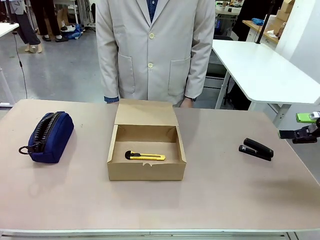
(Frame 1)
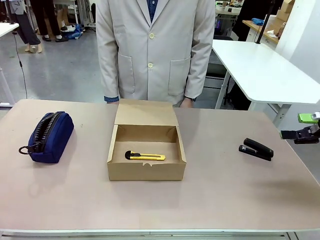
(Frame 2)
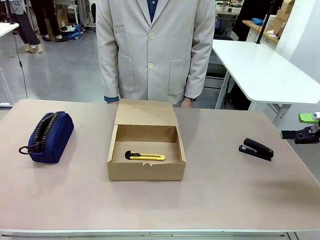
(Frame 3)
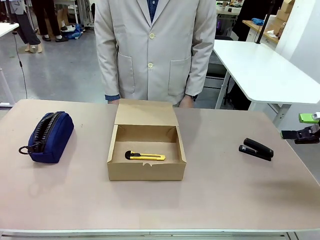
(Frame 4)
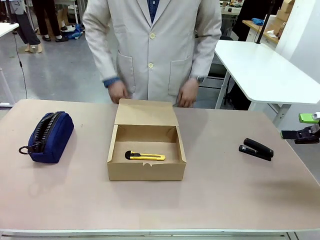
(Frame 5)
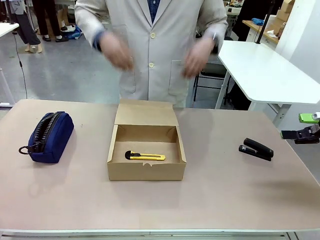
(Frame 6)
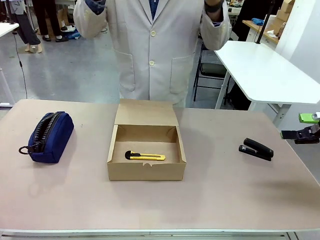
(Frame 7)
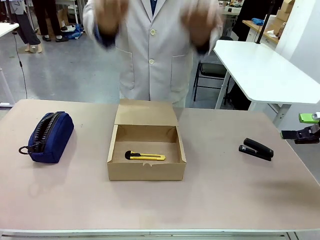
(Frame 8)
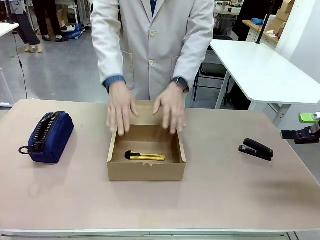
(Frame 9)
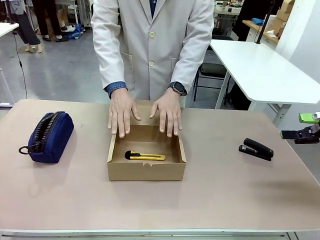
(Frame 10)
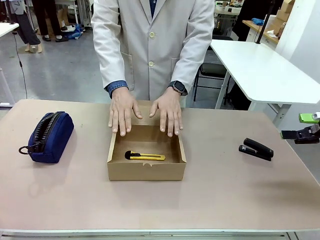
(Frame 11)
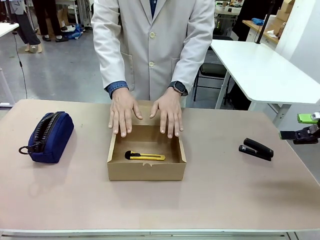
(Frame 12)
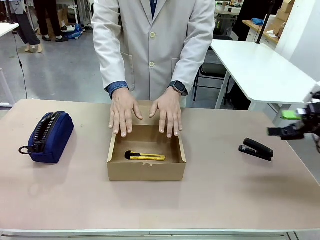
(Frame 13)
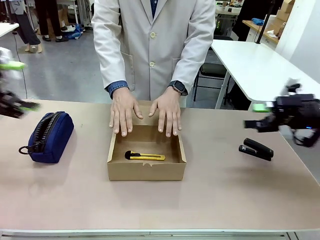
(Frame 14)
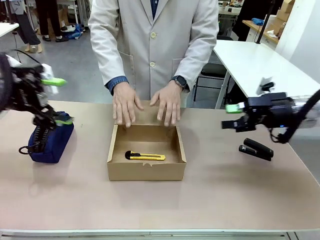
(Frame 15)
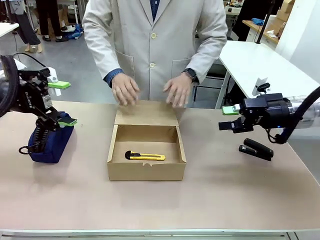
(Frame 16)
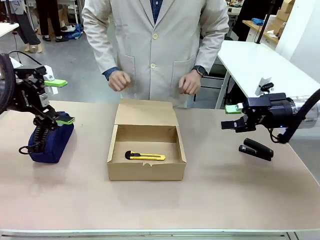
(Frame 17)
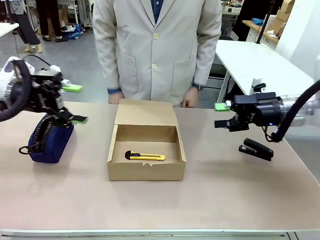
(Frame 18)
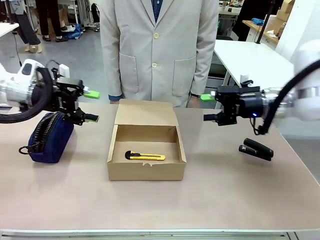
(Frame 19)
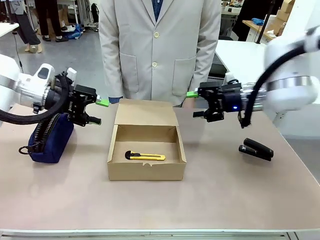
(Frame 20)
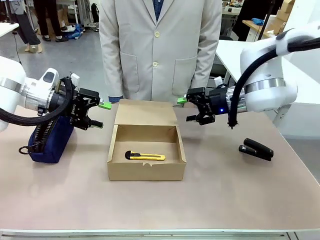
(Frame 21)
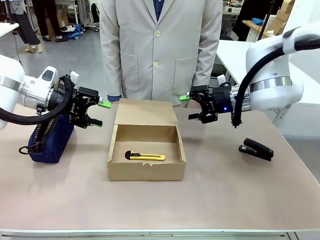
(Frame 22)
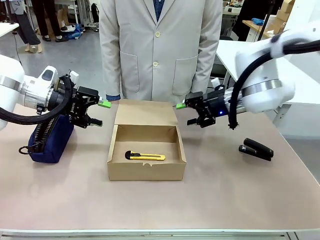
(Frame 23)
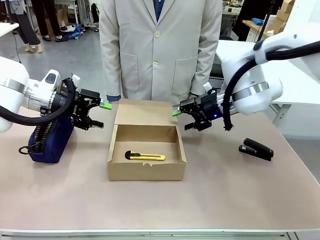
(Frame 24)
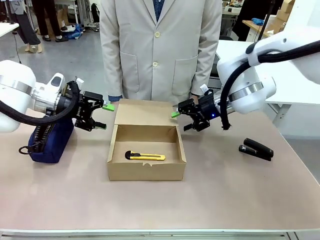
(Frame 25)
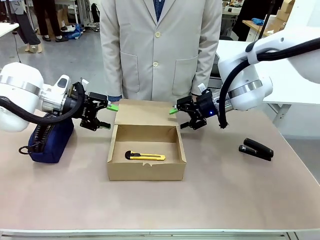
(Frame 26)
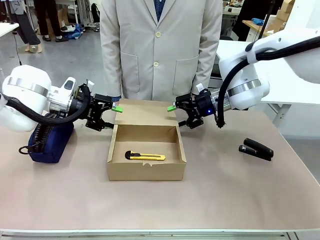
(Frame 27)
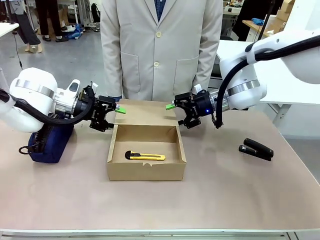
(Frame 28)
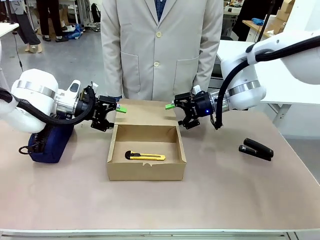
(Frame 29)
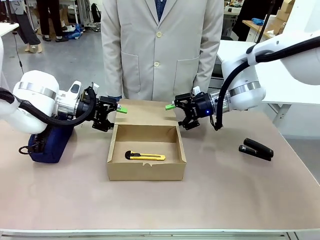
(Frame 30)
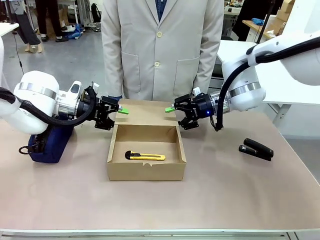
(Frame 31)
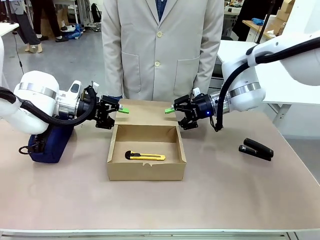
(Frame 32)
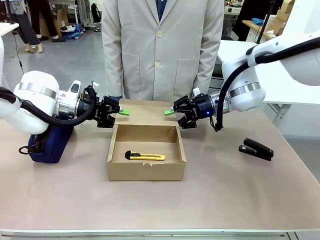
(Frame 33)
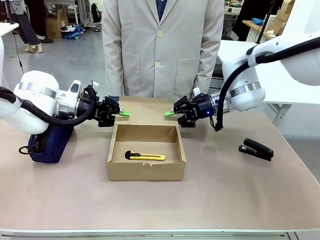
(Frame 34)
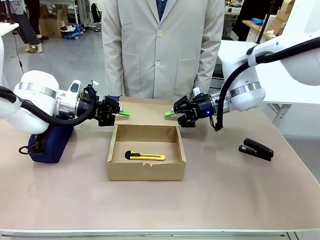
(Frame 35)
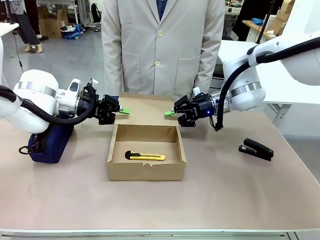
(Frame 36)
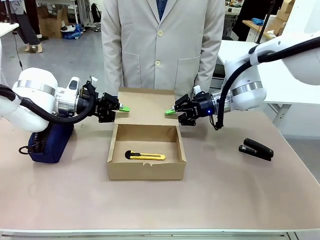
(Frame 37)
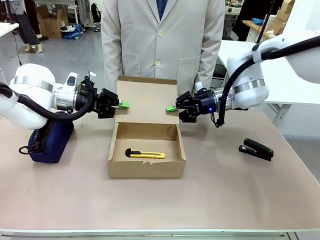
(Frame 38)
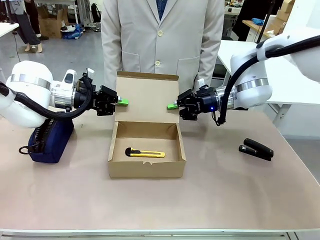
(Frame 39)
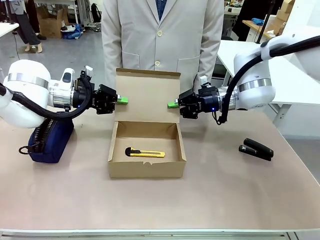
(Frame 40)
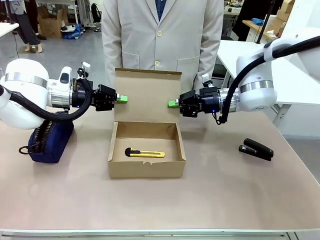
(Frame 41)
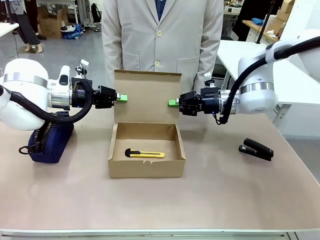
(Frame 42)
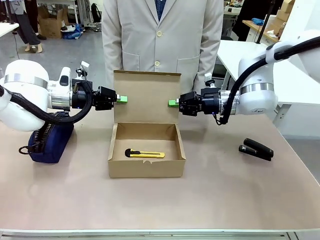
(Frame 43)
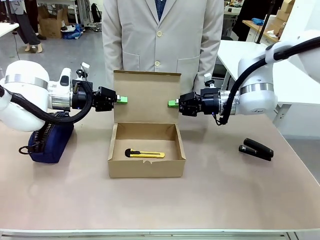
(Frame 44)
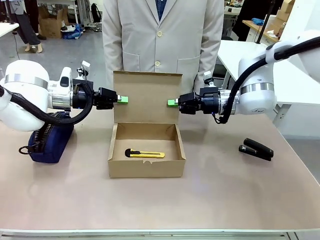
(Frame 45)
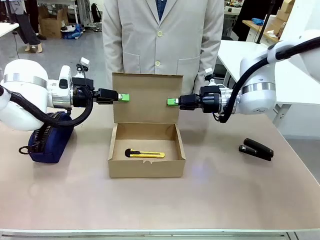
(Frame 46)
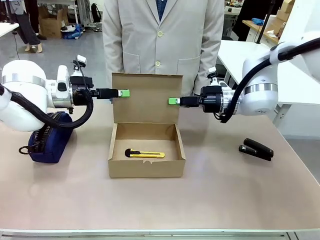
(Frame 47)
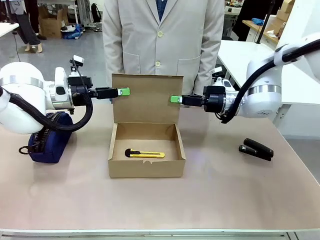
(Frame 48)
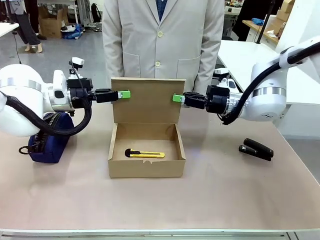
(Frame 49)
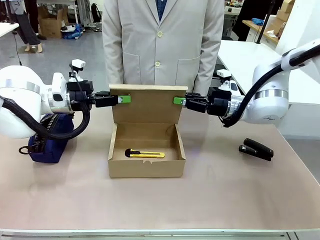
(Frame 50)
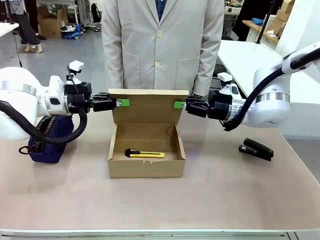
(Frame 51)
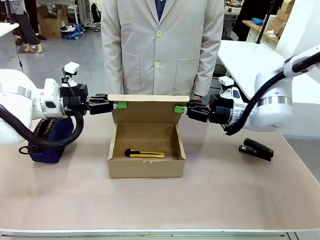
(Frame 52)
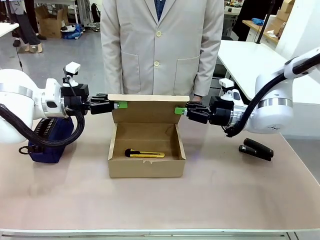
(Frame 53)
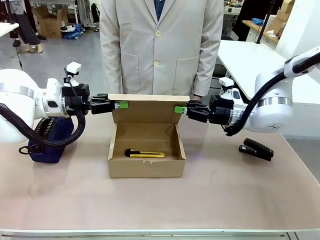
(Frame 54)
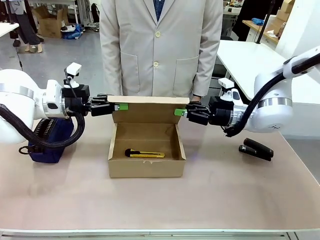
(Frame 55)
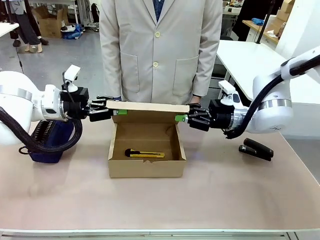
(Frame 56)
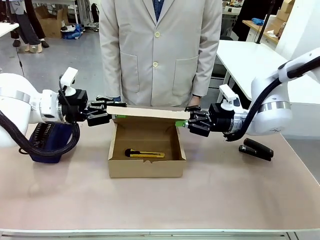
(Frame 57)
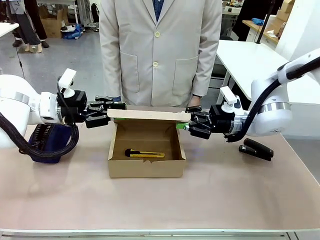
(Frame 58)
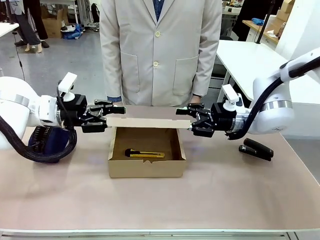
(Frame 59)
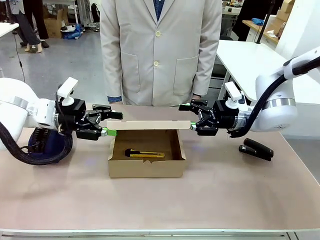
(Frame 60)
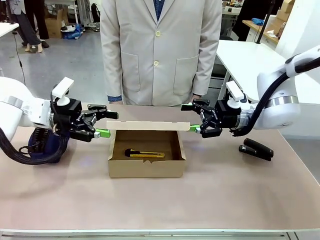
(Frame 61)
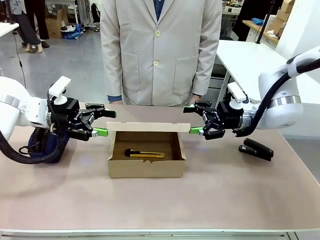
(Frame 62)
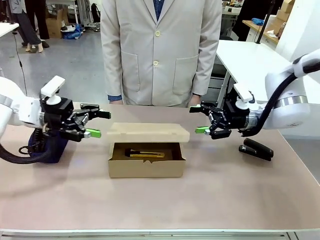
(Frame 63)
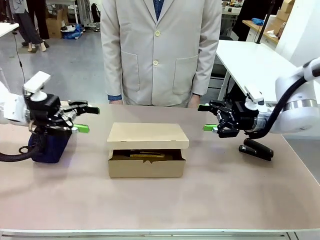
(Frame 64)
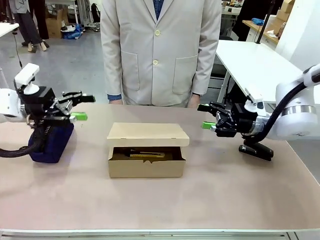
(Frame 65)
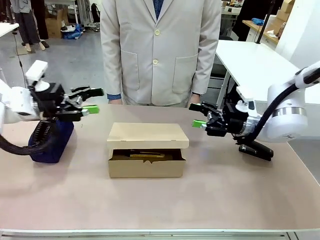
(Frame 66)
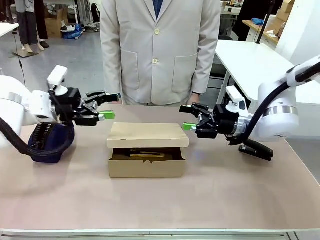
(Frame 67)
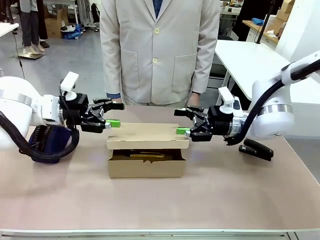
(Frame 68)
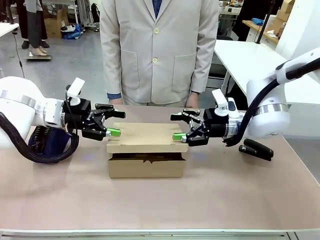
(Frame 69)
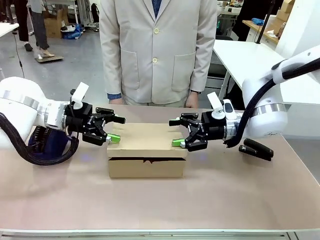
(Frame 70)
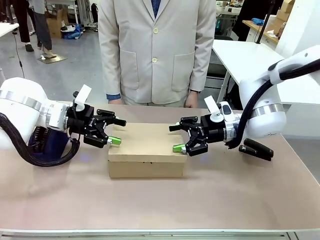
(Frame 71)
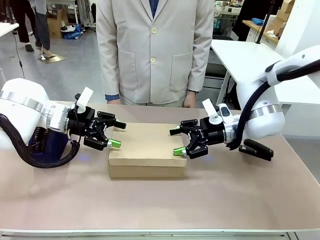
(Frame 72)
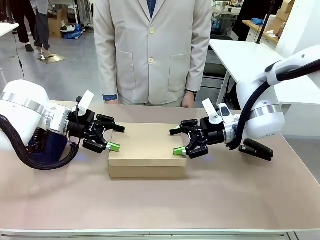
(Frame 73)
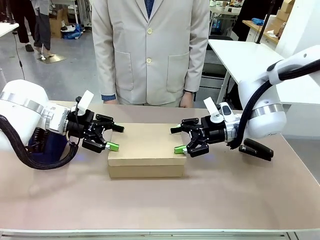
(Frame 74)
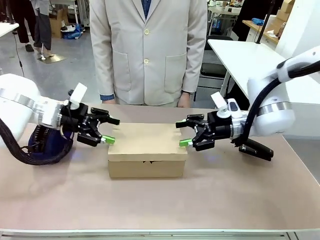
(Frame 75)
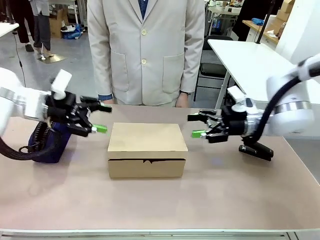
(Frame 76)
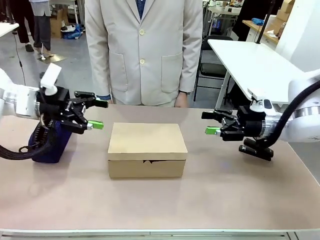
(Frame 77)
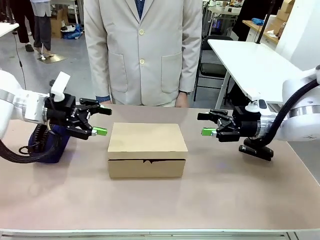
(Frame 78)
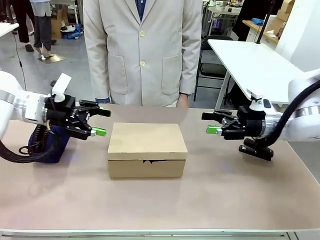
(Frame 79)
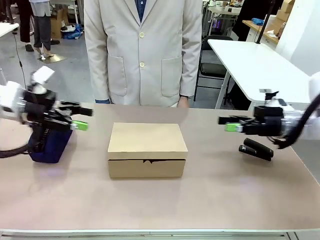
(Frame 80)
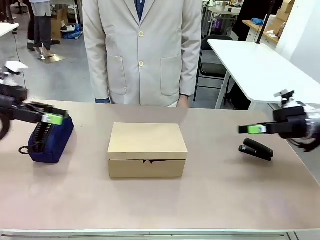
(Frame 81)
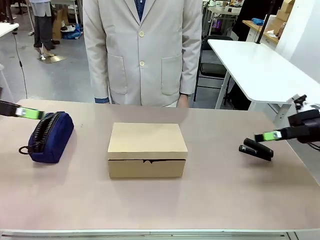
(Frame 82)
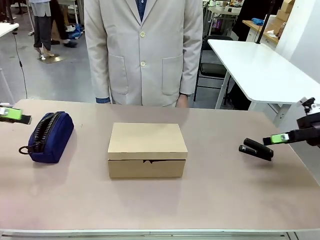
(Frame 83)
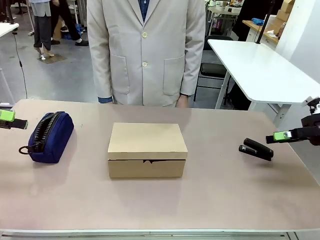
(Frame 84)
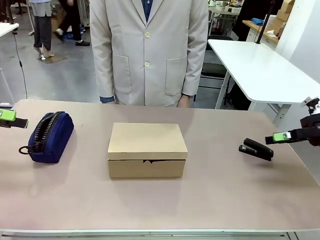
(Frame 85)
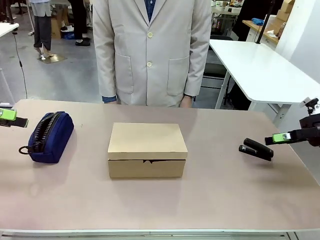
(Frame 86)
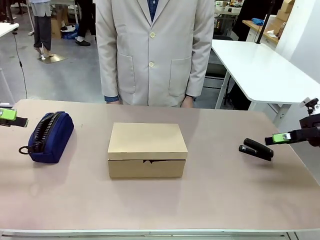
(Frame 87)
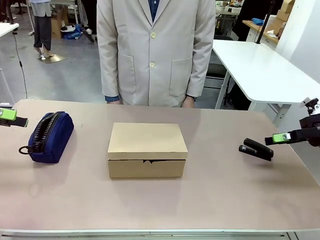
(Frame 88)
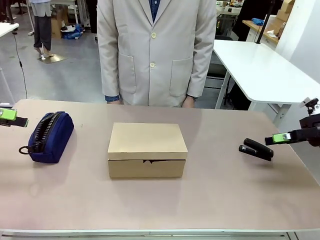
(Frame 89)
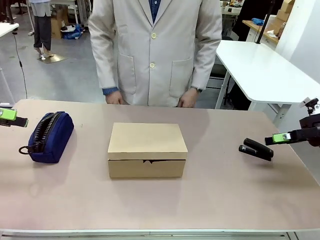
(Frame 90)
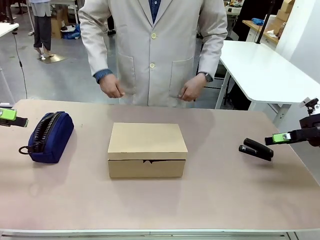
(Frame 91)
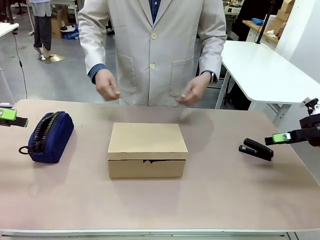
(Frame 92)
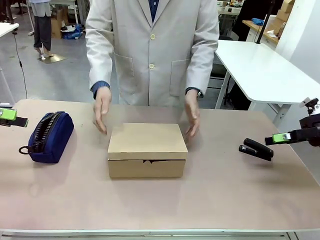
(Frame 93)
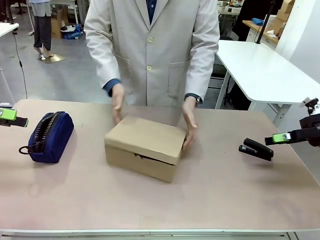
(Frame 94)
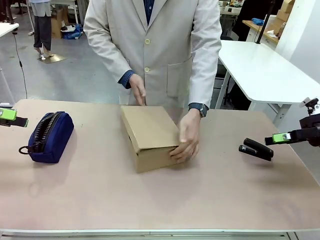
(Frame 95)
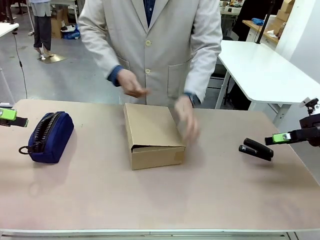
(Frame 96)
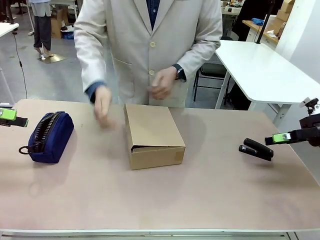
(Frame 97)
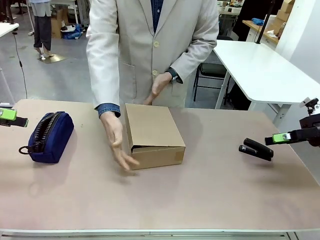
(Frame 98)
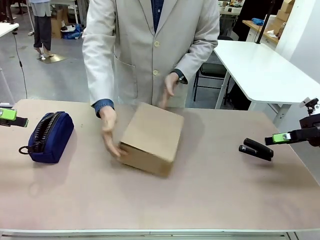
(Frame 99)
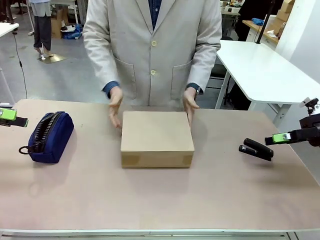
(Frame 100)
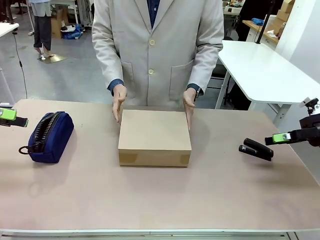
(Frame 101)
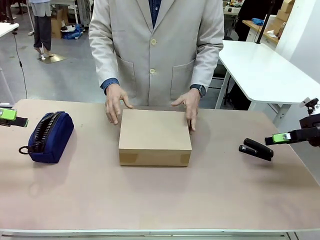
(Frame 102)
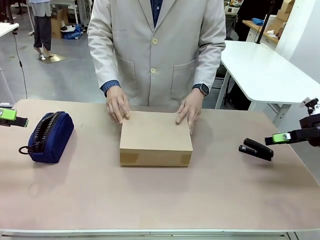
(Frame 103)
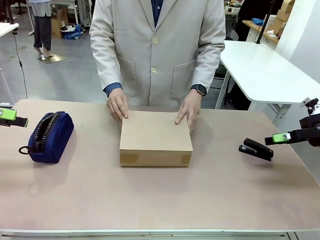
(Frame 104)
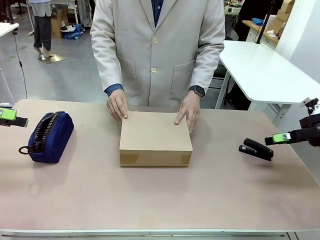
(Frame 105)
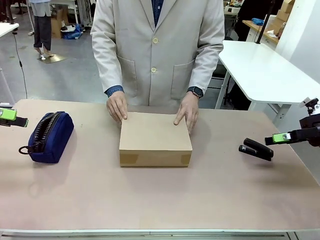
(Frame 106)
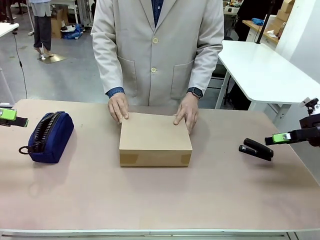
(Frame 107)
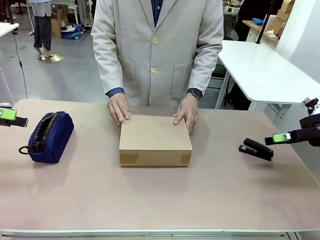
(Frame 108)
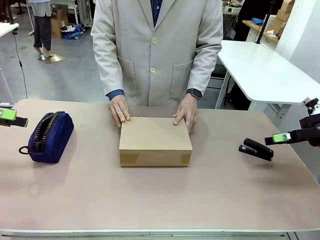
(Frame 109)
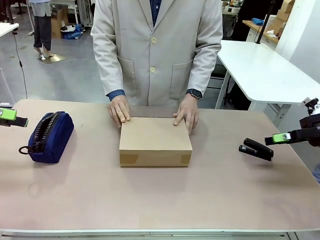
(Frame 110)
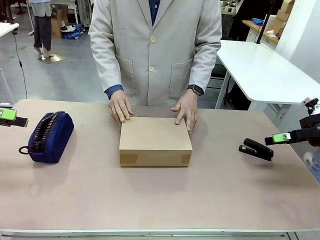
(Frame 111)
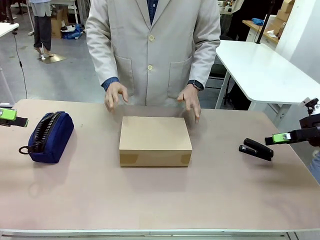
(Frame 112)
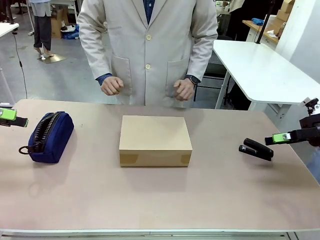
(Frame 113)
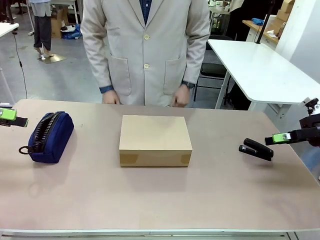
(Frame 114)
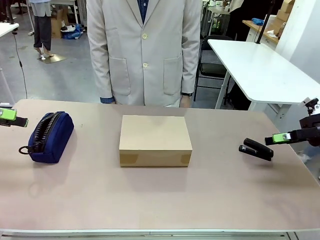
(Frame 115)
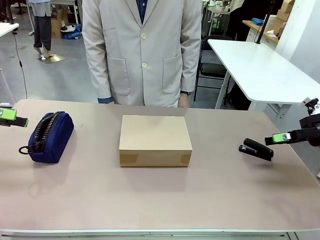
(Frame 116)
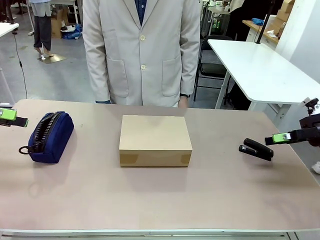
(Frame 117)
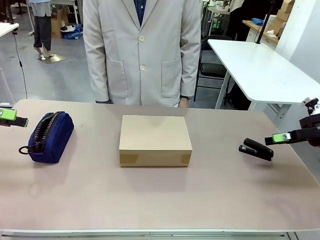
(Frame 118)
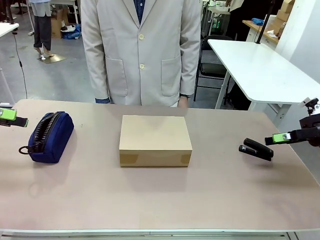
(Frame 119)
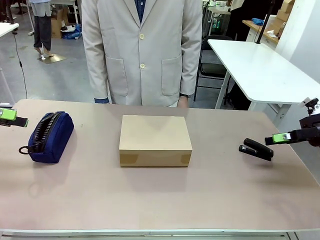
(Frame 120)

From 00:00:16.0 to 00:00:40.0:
Task: Pack the item into the box.
Robot: Close the Mailer Box.
Person: Lower both hands vertically with palms facing downward, as if pressing something closed. Turn the box and lock it.
